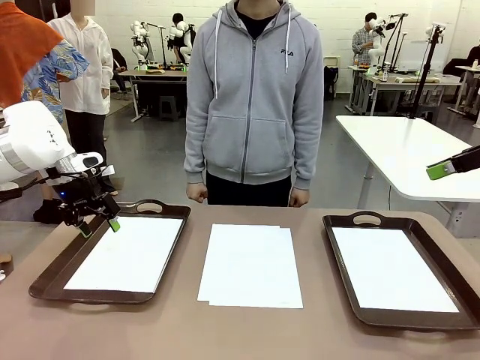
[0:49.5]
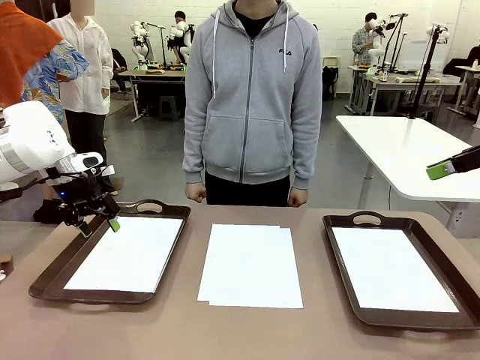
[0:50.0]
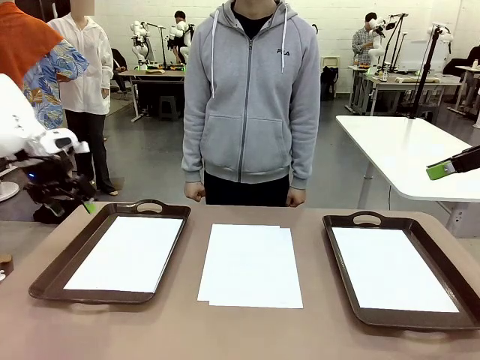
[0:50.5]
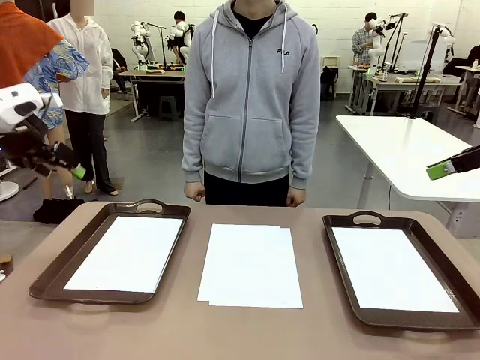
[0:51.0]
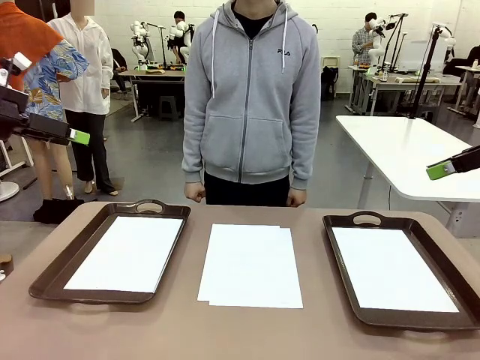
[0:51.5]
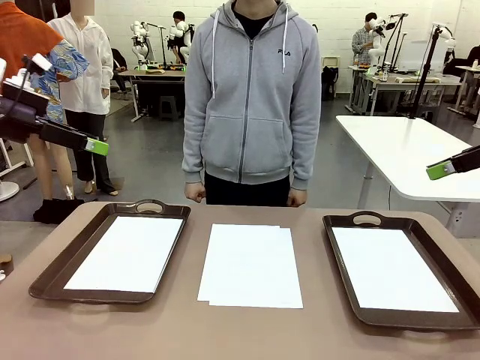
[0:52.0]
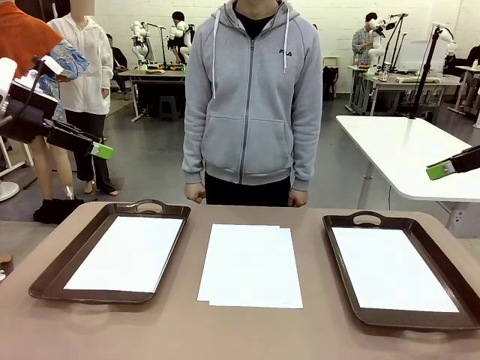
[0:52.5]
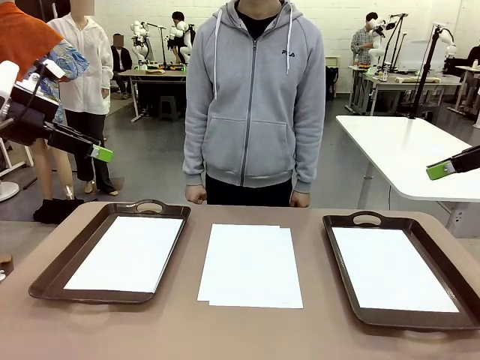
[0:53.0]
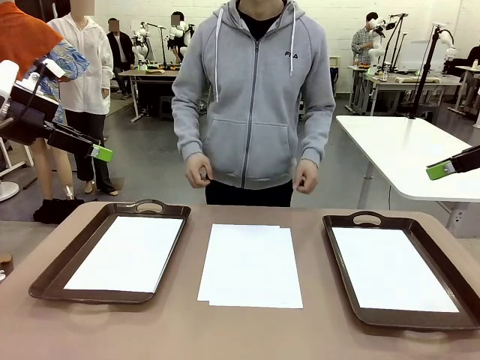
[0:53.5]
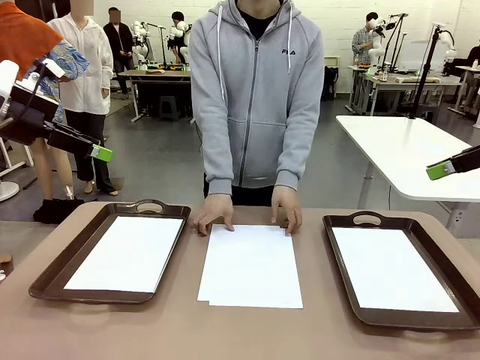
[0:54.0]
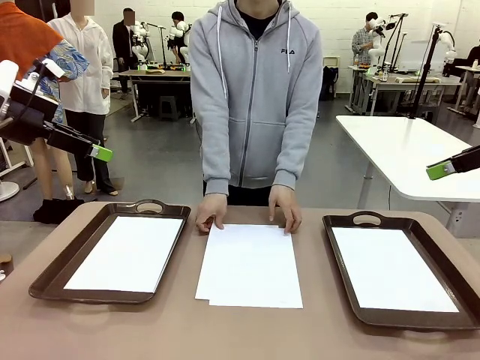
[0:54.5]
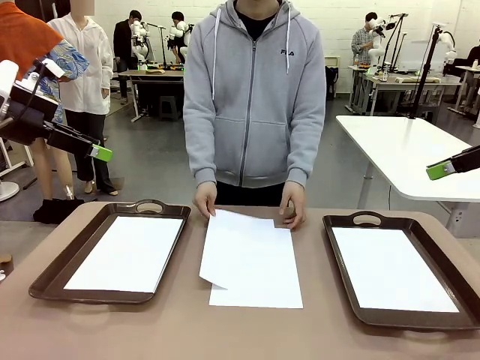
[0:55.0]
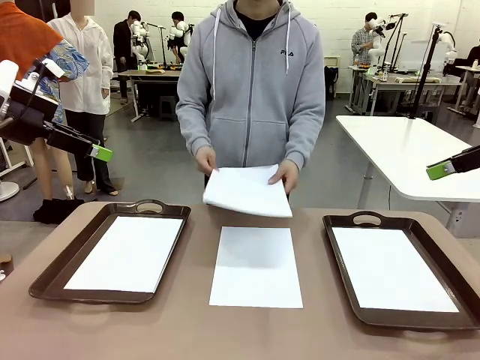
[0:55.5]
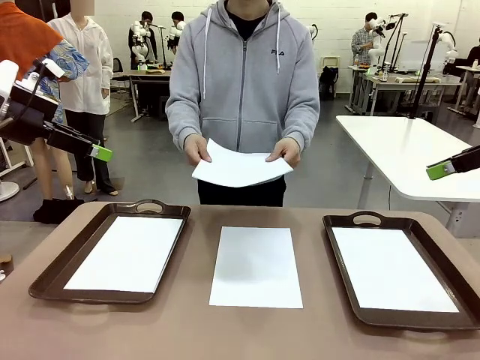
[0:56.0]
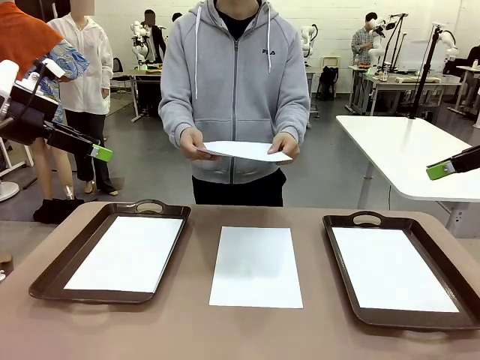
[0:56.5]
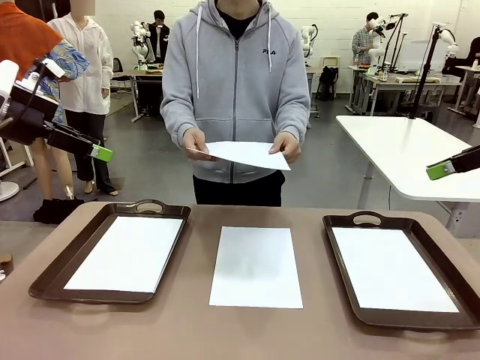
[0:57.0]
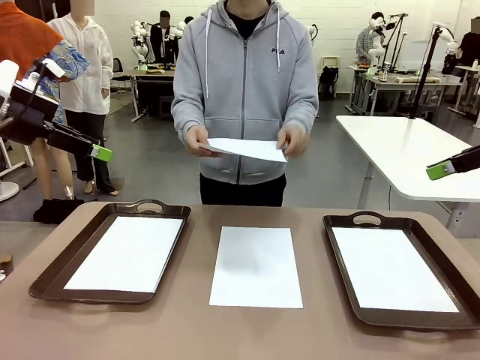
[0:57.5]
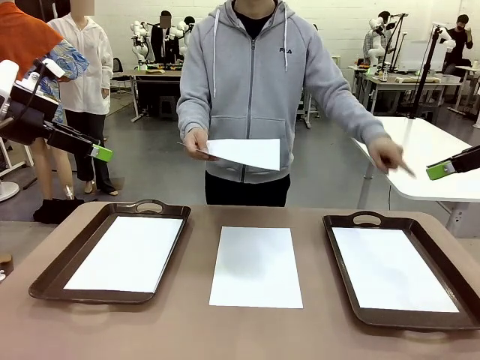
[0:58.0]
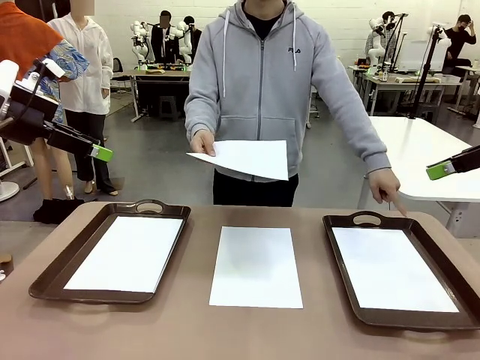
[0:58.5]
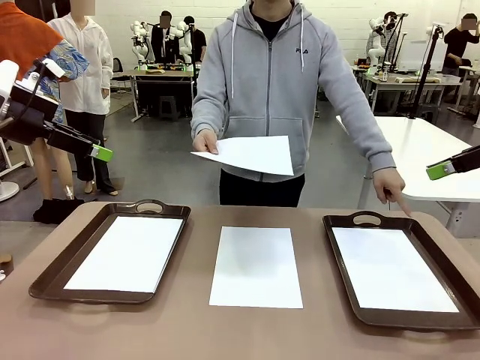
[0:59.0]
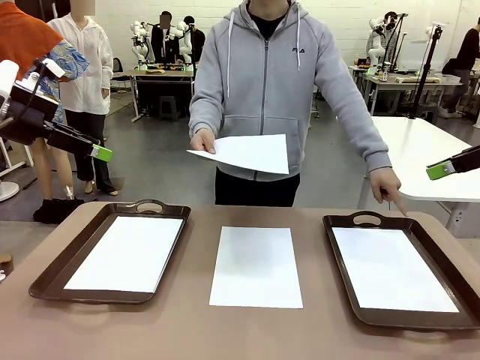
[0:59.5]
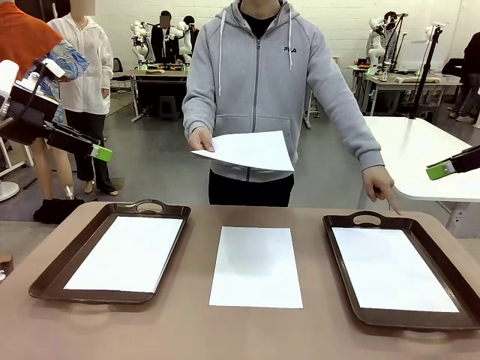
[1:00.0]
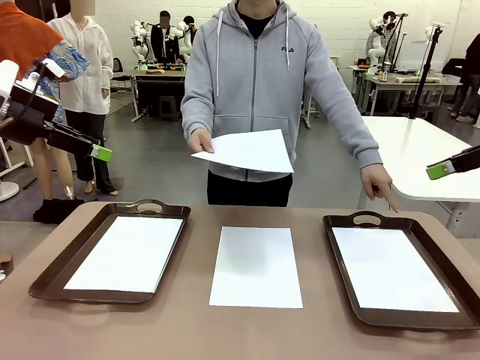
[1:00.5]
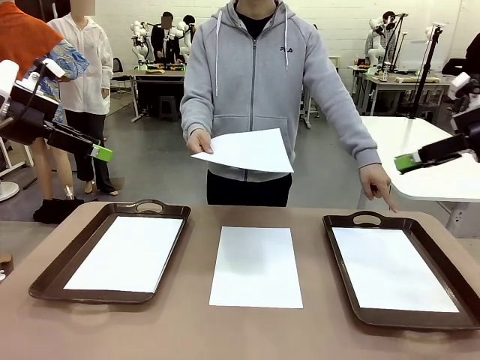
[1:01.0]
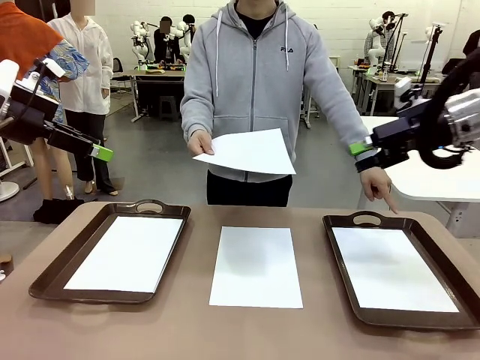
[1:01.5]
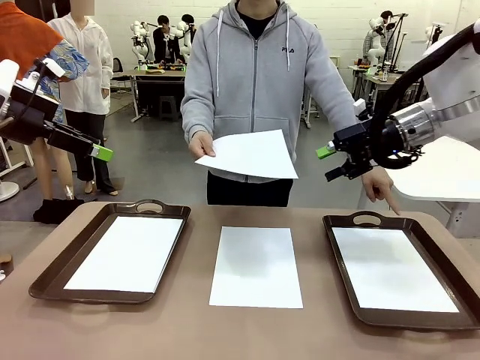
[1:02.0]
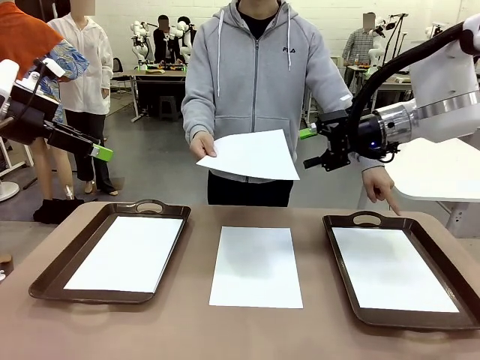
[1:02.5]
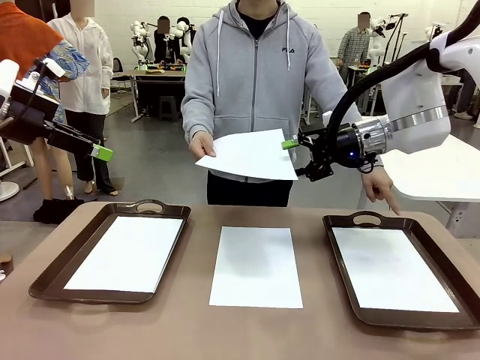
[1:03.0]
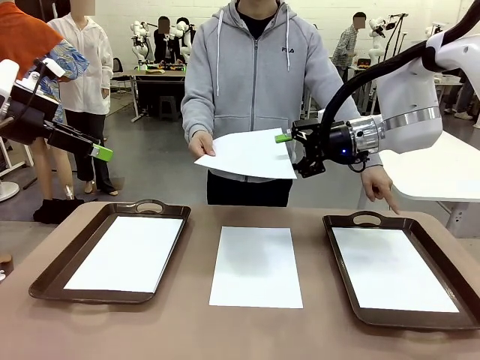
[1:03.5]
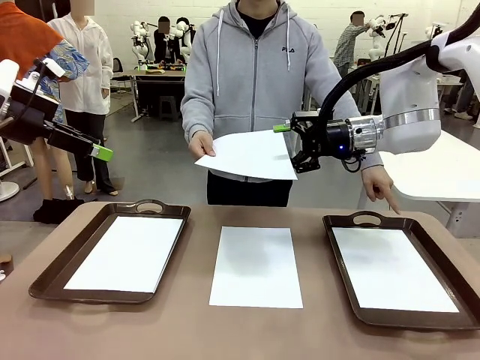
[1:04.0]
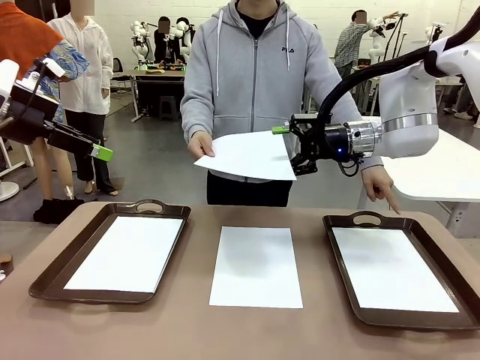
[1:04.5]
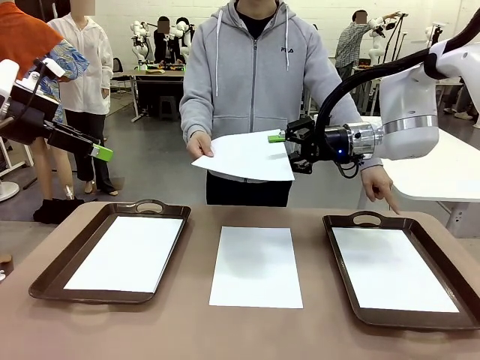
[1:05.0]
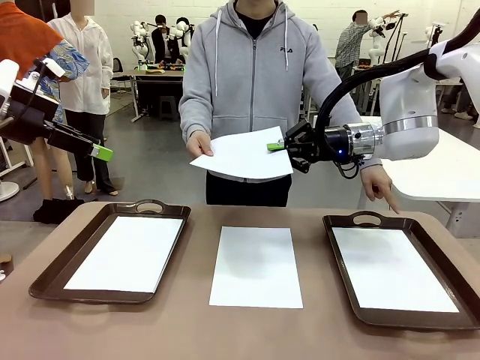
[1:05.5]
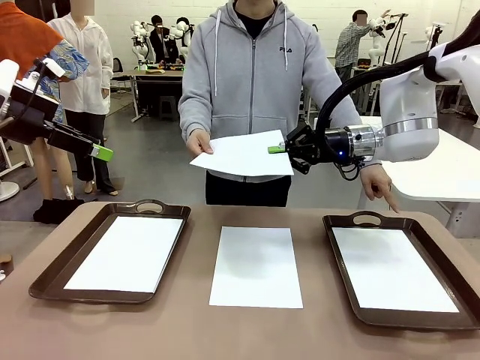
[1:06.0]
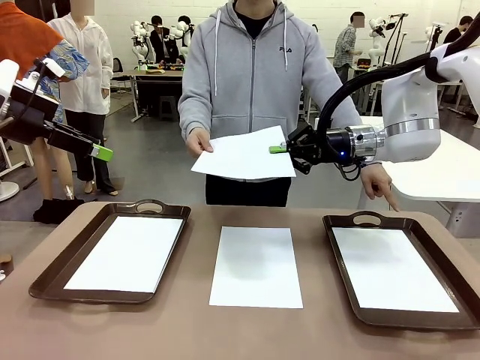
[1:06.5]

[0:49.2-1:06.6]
Task: Sort the A4 documents.
Robot: Receive the A4 Paper.
Person: Point the randomly selected tray with the other hand.

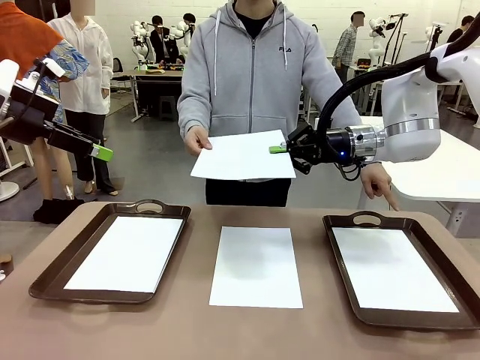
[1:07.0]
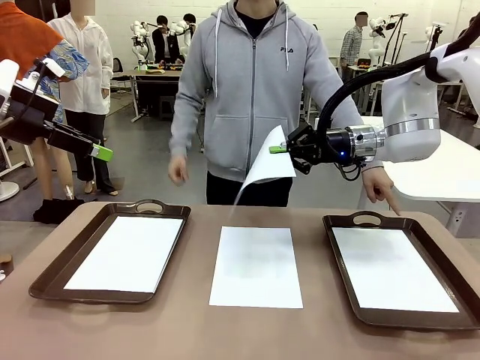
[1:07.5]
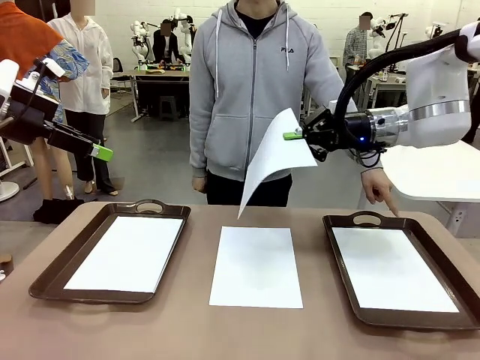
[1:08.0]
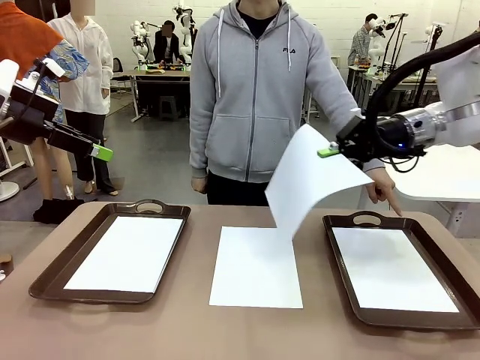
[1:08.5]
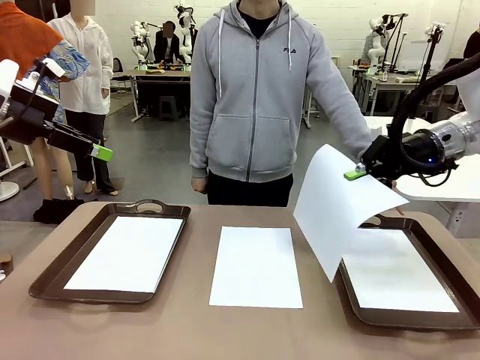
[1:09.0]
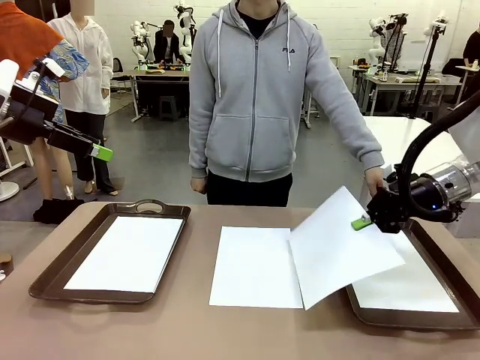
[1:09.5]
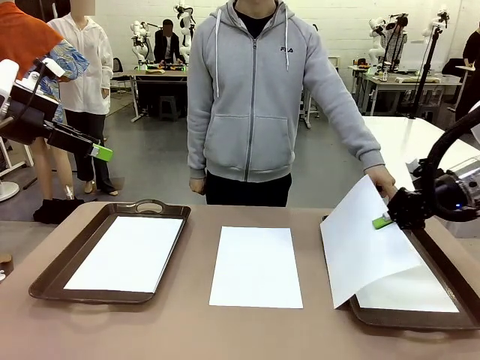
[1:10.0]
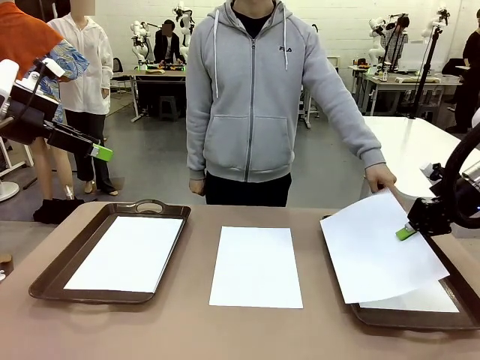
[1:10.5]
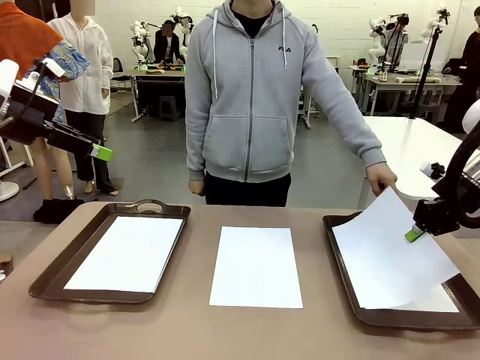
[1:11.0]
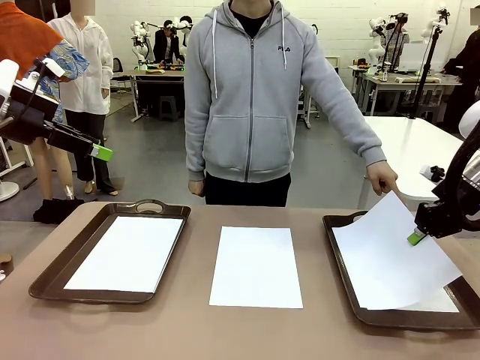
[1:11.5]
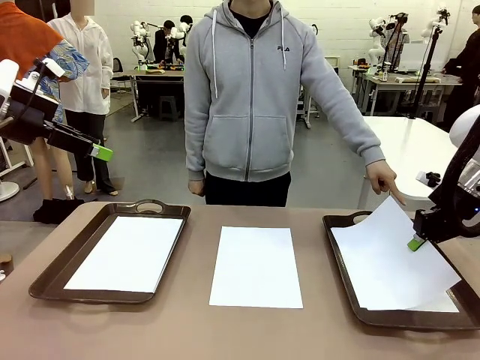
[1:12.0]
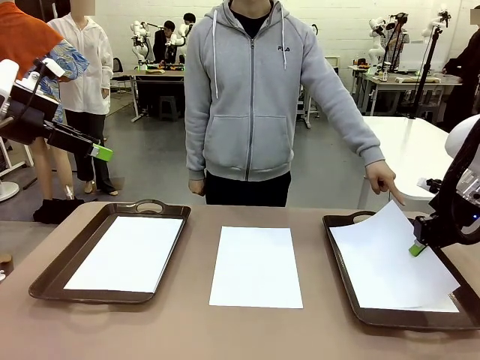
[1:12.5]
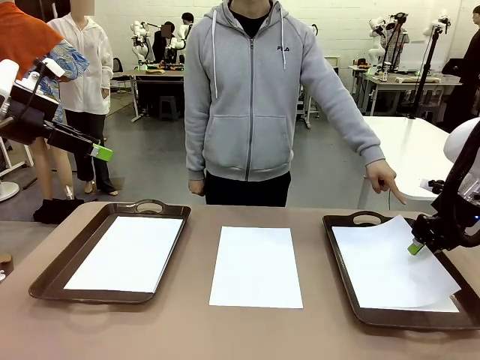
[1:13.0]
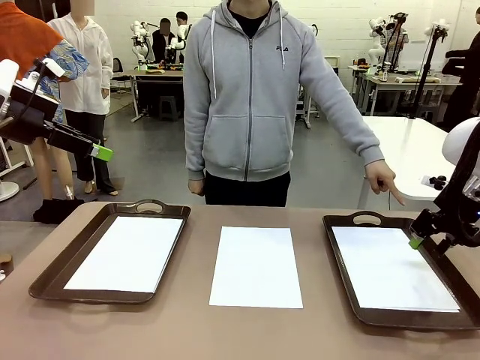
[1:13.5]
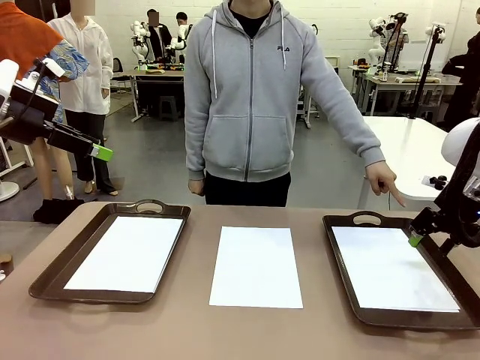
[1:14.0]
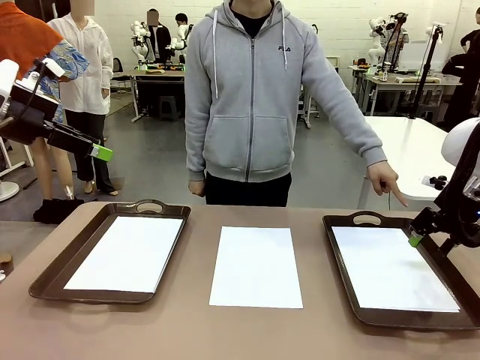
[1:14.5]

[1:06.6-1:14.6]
Robot: Place the A4 Paper in the designated Handle tray.
